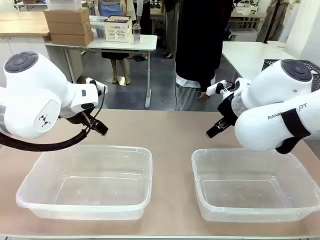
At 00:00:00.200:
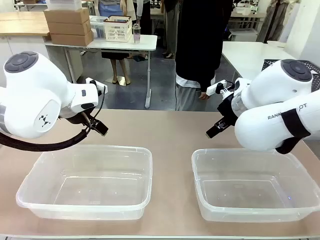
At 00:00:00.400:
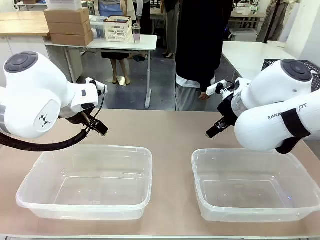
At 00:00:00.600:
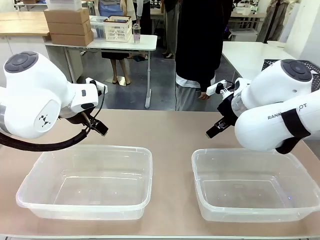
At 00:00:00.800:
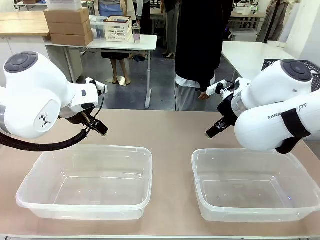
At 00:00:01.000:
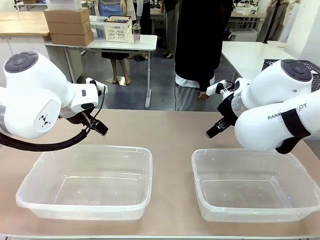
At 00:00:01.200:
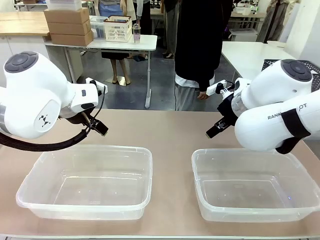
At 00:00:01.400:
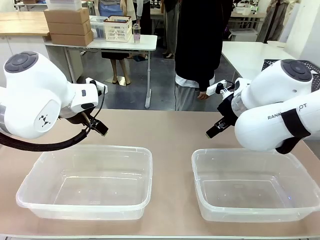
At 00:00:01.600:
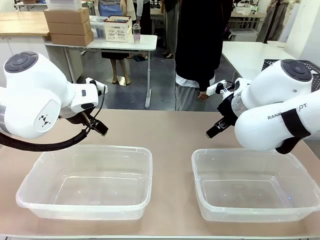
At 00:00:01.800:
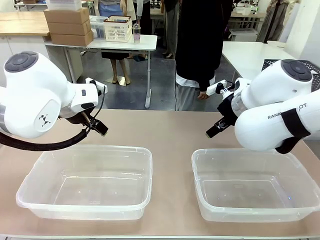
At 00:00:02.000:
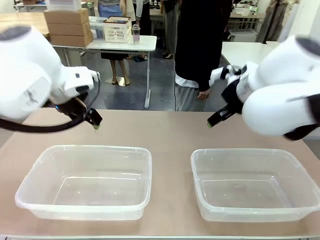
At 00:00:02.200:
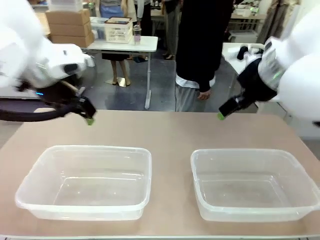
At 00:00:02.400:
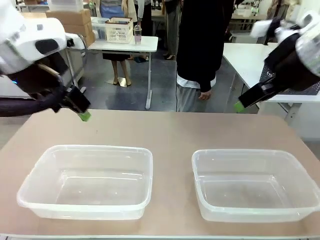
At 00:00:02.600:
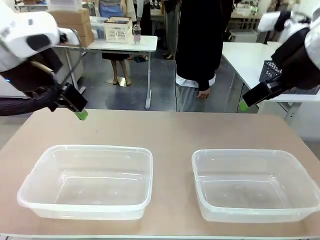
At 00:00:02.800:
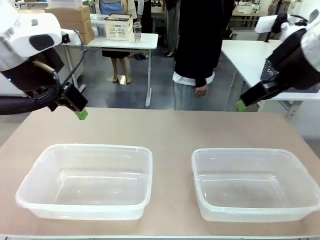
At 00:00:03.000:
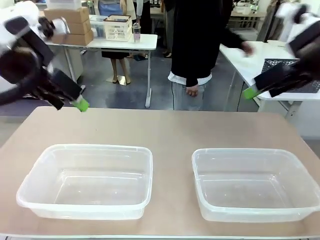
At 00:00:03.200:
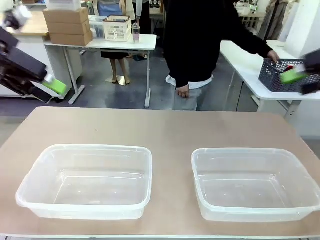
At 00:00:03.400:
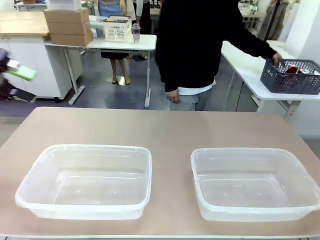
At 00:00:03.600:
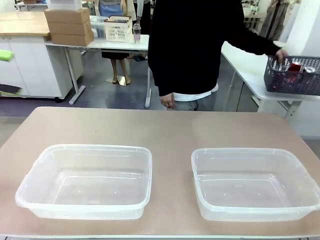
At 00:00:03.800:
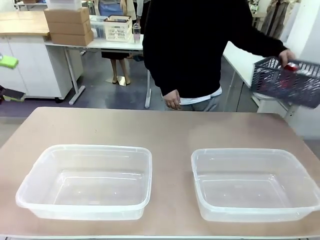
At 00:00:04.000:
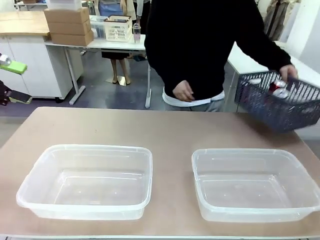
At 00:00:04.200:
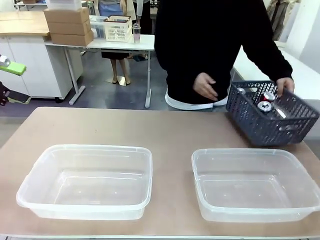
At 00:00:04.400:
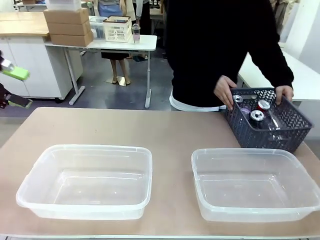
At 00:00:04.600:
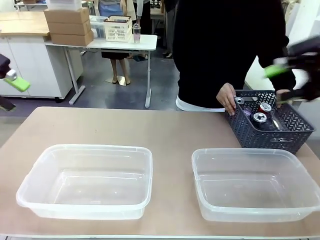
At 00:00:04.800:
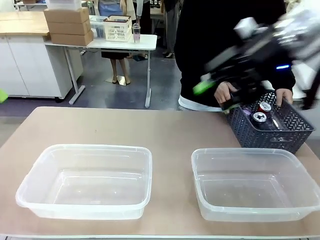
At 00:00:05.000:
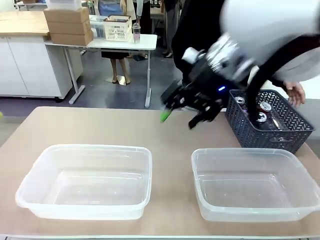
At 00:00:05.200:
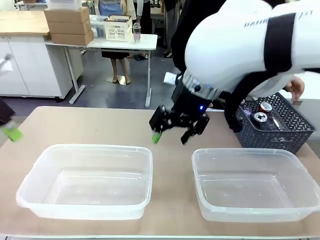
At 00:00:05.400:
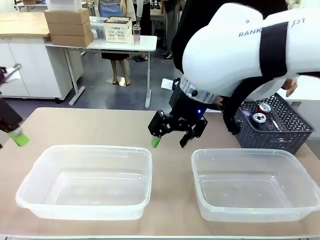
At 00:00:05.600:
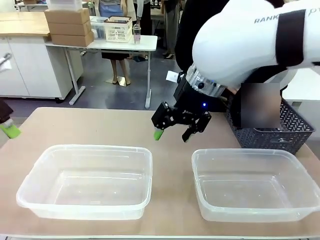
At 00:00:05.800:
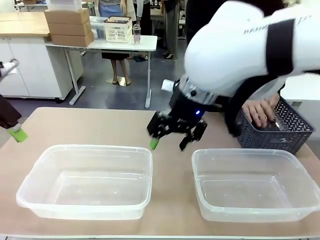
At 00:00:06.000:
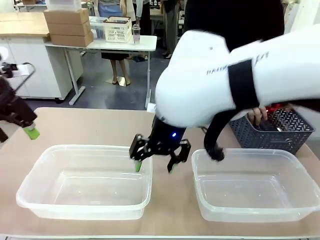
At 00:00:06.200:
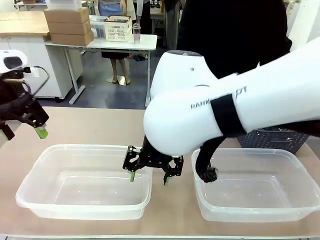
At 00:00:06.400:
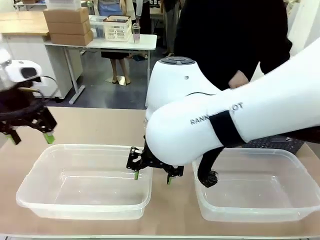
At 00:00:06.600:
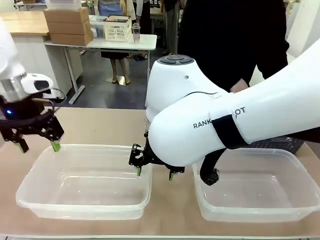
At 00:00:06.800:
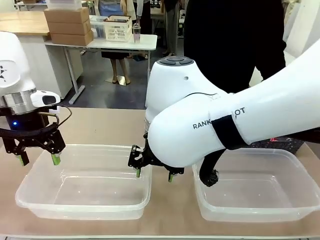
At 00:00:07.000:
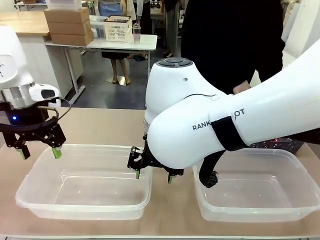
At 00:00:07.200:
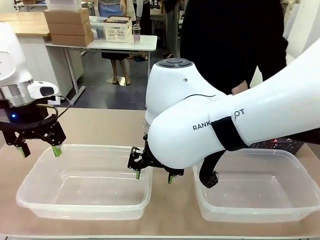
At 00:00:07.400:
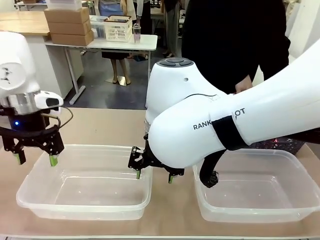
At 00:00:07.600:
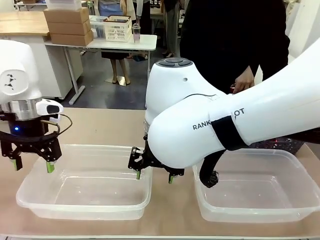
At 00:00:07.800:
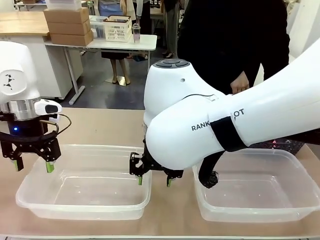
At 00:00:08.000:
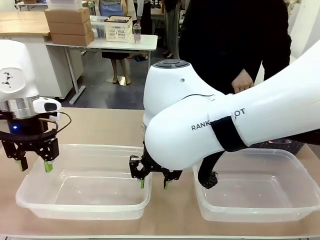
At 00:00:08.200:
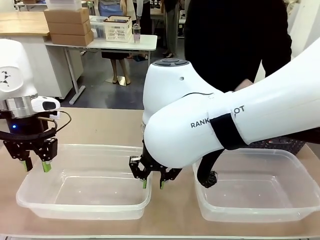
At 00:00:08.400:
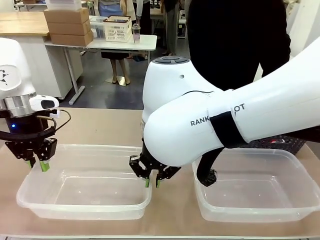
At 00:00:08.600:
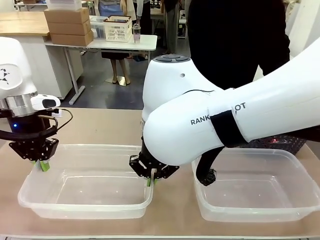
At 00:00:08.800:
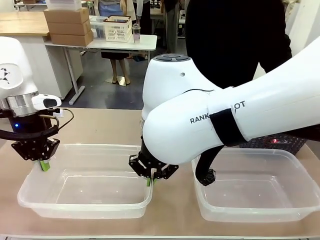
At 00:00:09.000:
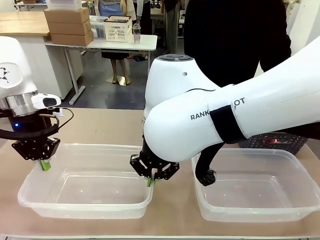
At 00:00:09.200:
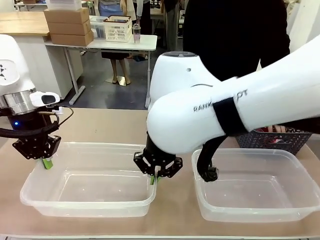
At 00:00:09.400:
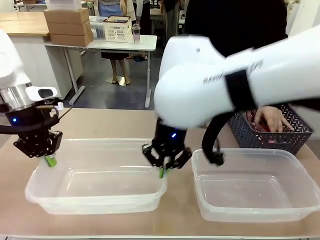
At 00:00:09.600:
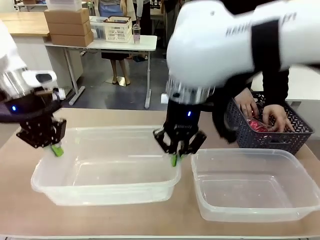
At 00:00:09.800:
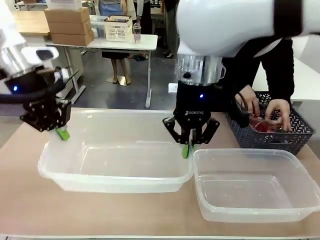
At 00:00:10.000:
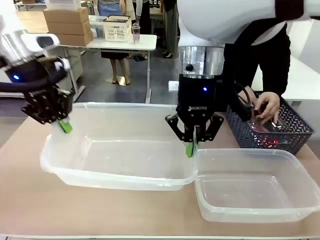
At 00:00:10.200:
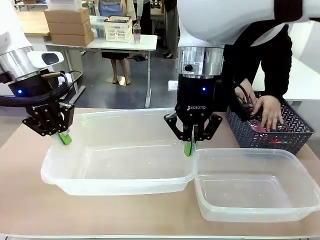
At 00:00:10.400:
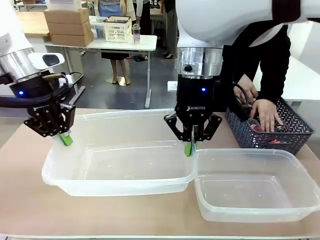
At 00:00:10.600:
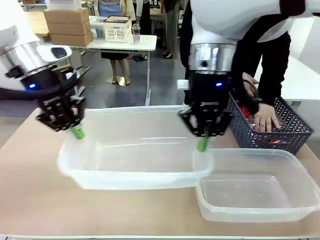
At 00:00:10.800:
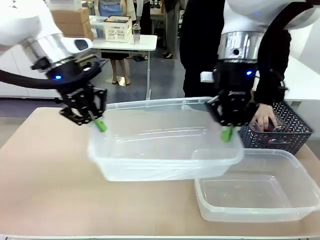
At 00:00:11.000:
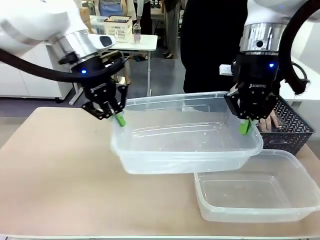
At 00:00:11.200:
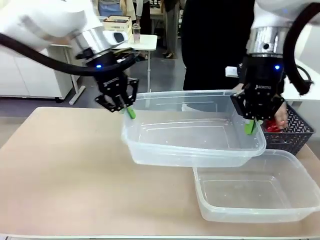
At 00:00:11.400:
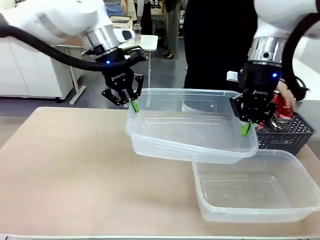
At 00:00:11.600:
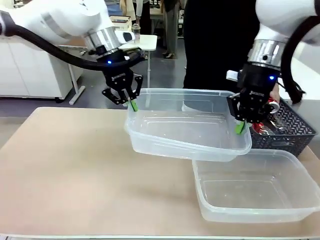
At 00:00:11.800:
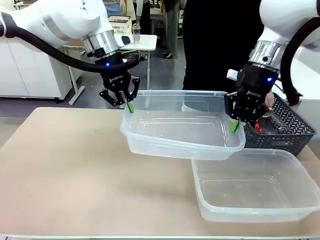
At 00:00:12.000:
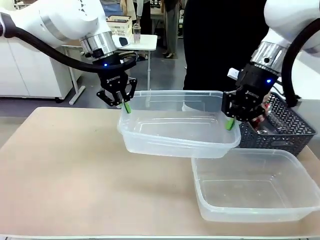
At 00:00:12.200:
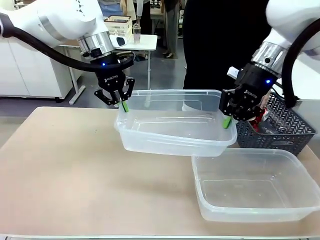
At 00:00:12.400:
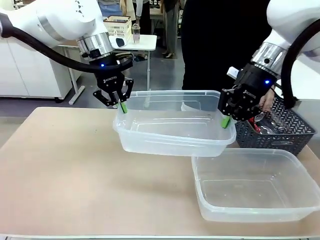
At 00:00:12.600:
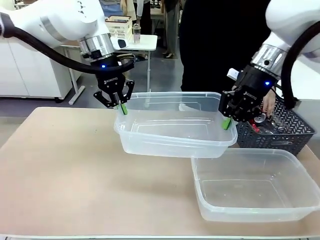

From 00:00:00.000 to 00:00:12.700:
Robot: Pick up the Organizing box on the left side of the table and lift it.
Person: Pick up the storage basket and place it on the left side of the robot table. Pick up can-shaped waste one by one and place it into the organizing box lifted by the robot.

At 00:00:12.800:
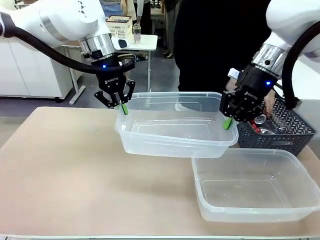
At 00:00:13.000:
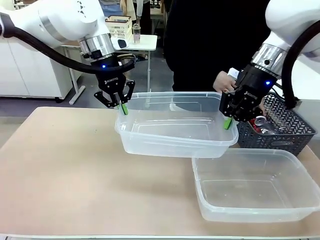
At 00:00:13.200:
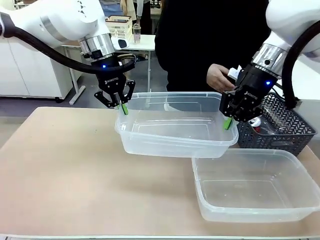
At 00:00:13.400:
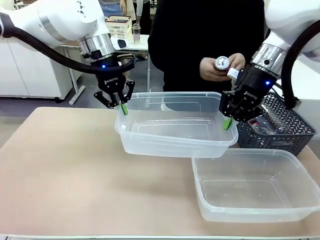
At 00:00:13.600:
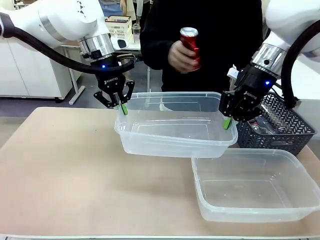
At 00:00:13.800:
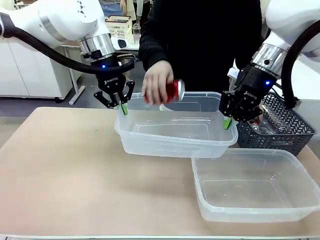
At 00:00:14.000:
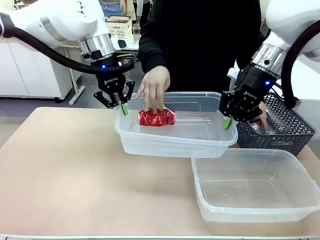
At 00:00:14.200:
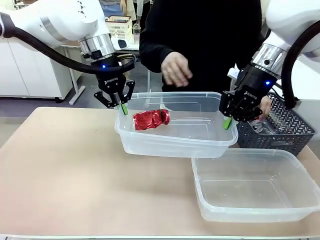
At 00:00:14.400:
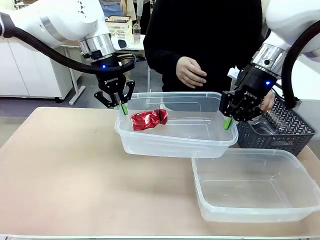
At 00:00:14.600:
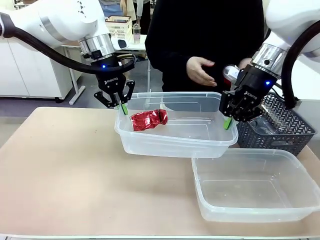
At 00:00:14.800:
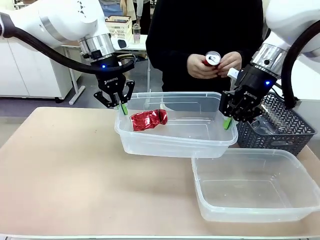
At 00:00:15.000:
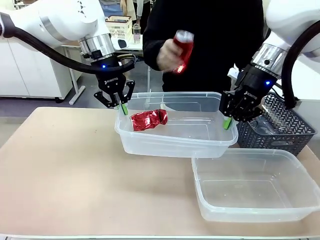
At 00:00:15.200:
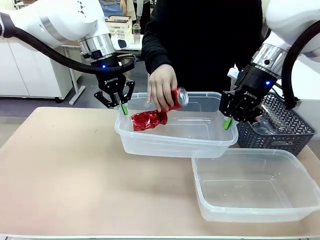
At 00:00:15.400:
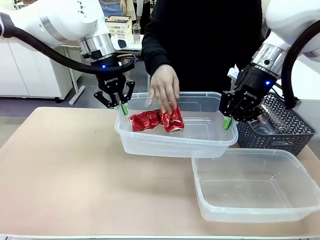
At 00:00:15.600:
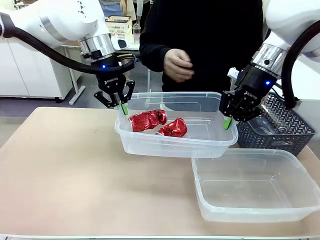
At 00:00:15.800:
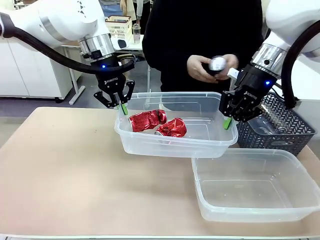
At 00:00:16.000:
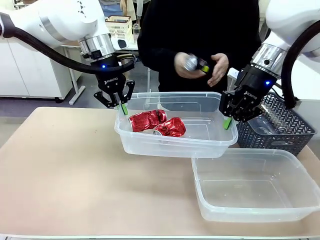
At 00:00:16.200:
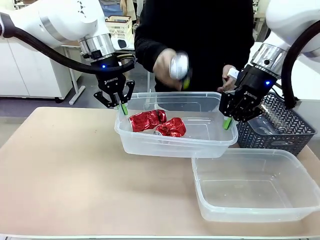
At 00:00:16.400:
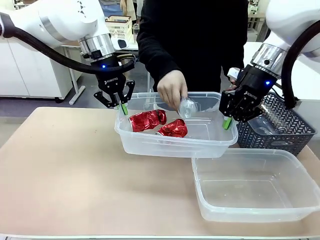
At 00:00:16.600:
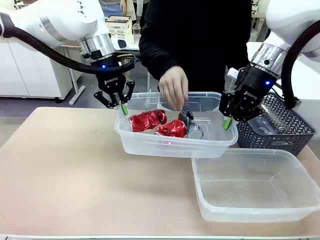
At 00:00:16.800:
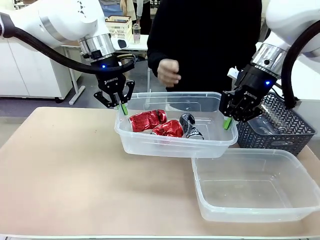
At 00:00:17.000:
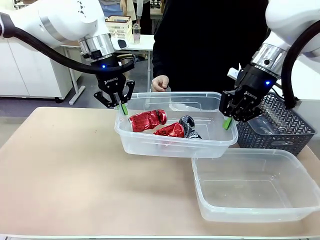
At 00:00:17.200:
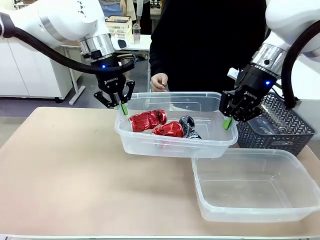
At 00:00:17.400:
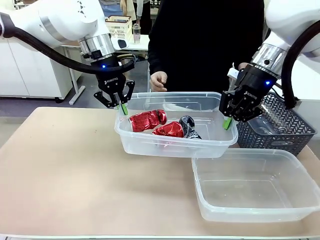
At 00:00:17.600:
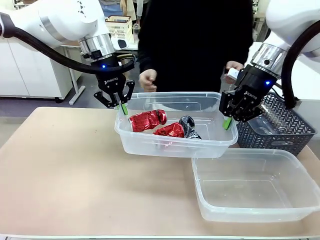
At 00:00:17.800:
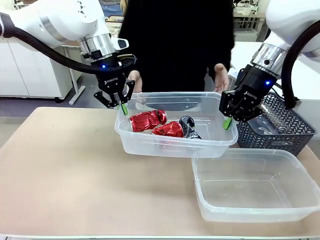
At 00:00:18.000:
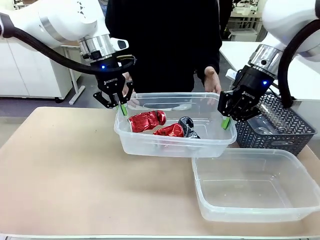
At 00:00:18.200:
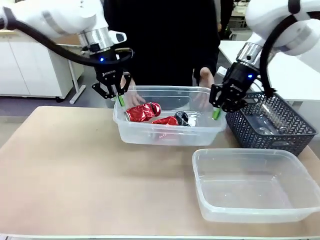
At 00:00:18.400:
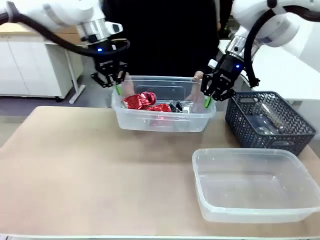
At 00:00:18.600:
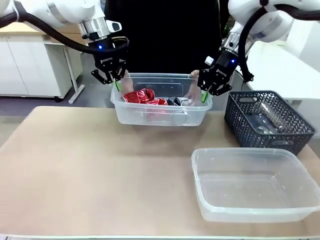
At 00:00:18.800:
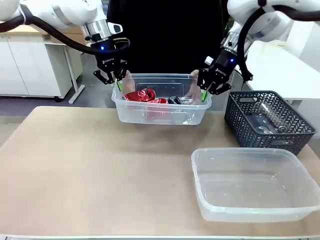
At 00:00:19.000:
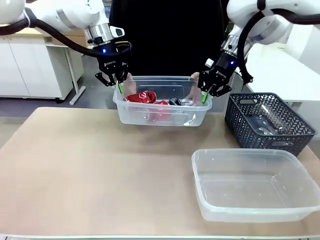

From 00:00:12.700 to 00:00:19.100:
Robot: Offer the picked Organizing box to the human.

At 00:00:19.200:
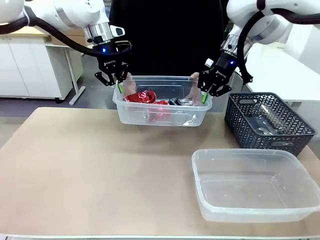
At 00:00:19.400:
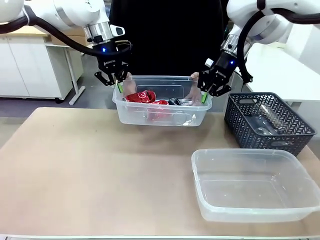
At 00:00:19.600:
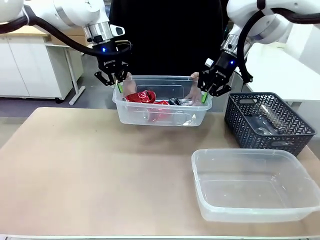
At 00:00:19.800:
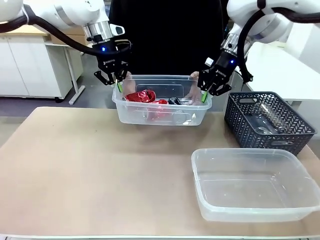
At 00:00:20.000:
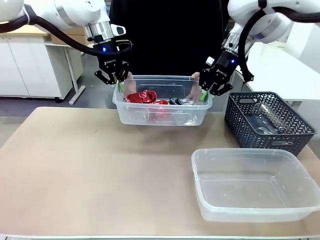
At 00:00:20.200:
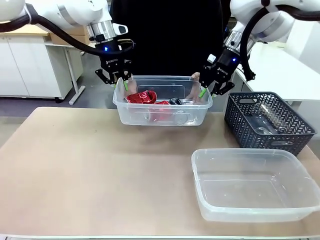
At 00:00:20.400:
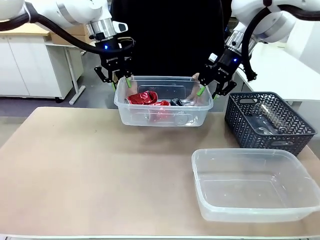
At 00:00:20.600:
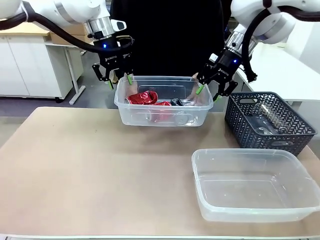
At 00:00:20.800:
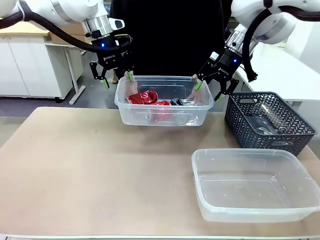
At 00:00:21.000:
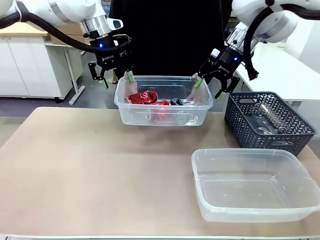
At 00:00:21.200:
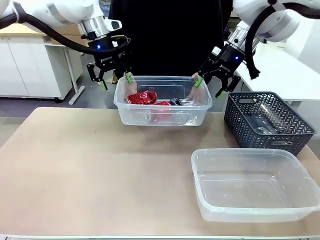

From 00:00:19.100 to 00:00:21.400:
Robot: Release the Organizing box you were holding.
